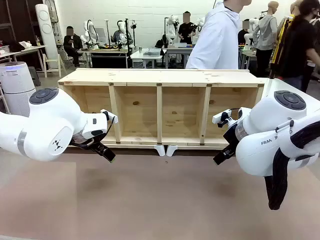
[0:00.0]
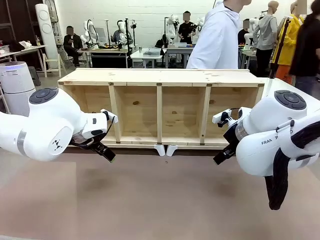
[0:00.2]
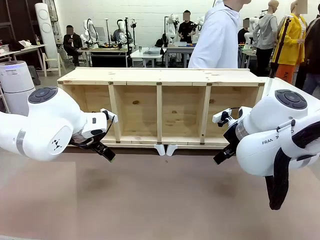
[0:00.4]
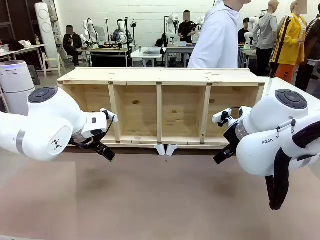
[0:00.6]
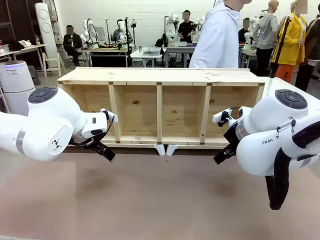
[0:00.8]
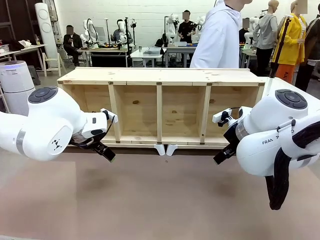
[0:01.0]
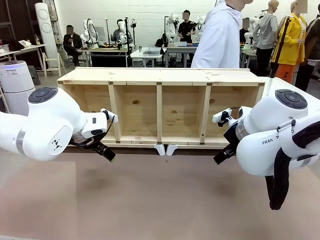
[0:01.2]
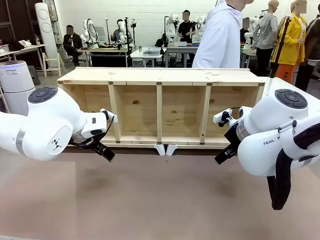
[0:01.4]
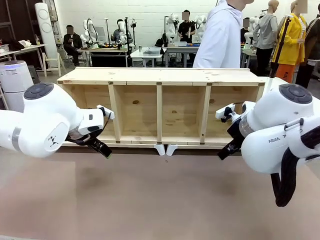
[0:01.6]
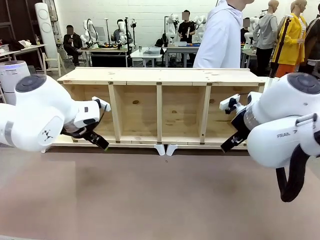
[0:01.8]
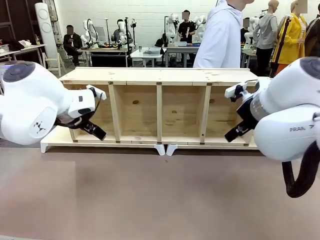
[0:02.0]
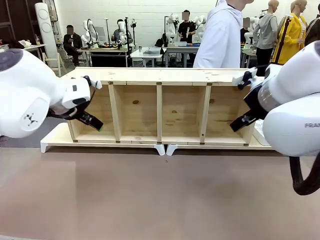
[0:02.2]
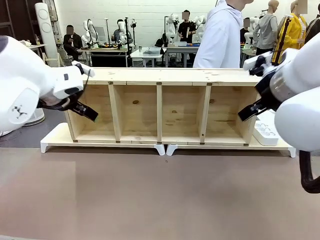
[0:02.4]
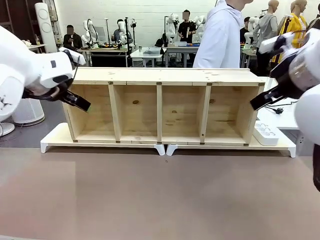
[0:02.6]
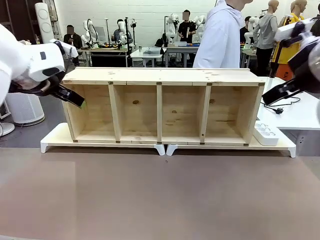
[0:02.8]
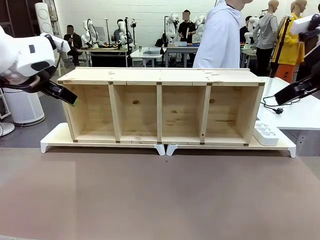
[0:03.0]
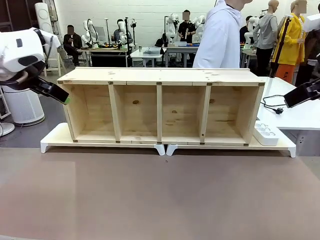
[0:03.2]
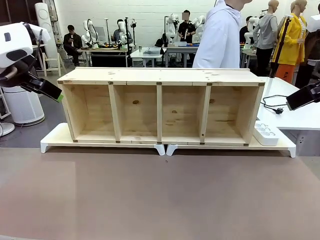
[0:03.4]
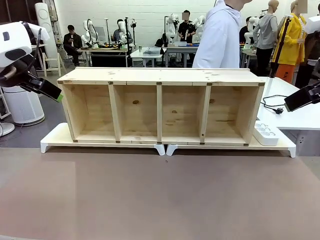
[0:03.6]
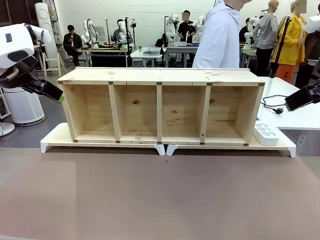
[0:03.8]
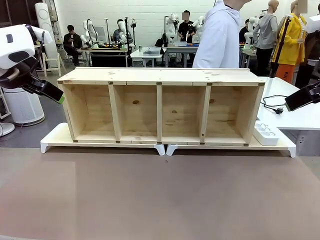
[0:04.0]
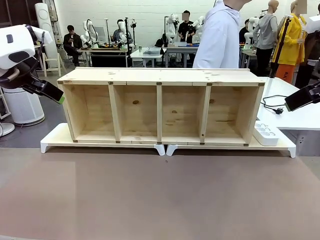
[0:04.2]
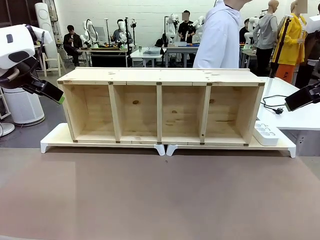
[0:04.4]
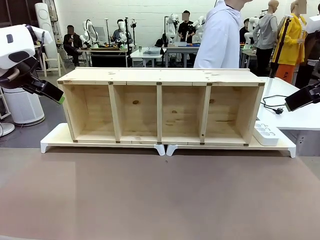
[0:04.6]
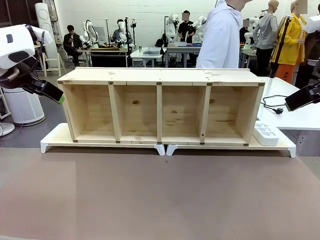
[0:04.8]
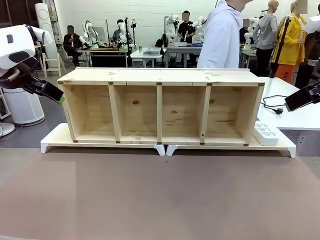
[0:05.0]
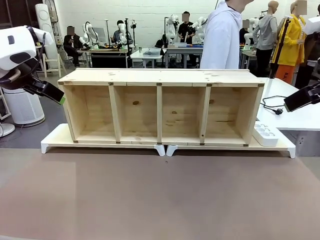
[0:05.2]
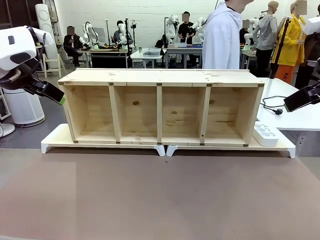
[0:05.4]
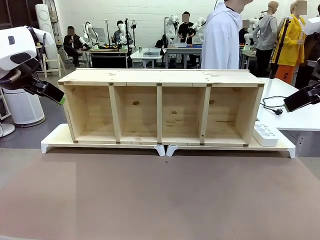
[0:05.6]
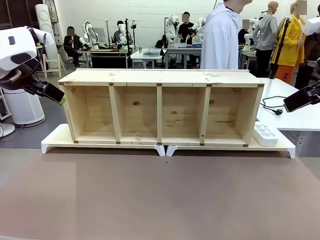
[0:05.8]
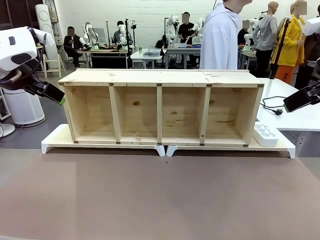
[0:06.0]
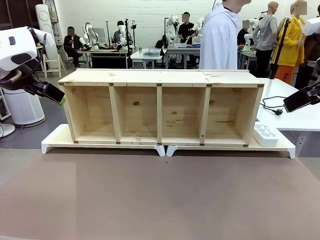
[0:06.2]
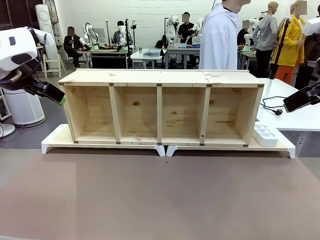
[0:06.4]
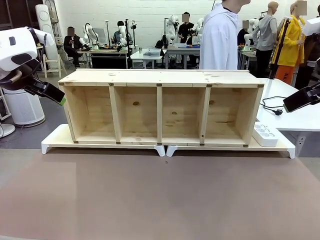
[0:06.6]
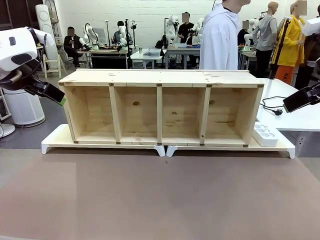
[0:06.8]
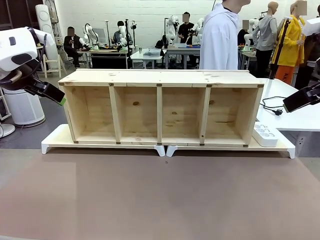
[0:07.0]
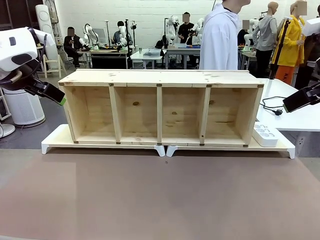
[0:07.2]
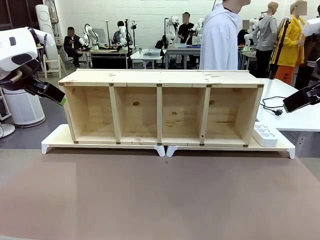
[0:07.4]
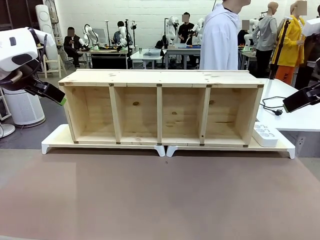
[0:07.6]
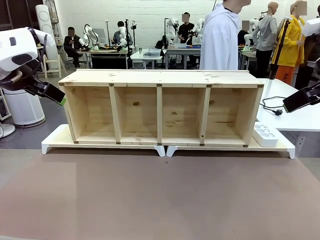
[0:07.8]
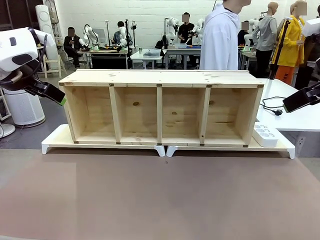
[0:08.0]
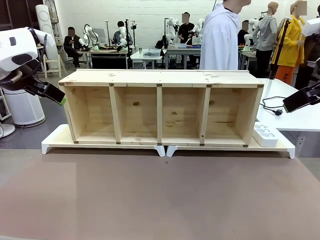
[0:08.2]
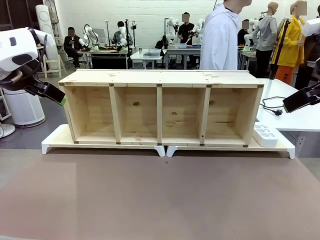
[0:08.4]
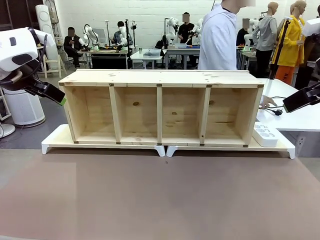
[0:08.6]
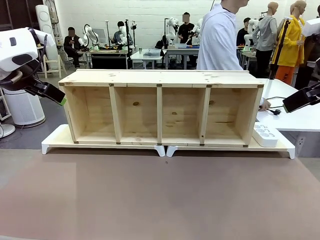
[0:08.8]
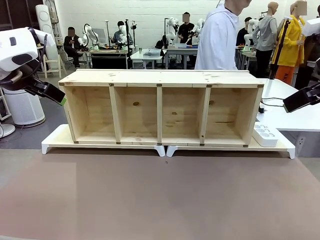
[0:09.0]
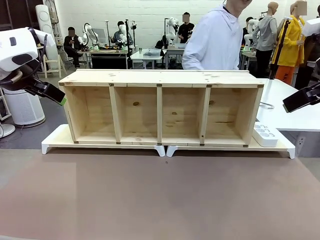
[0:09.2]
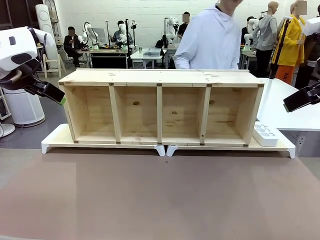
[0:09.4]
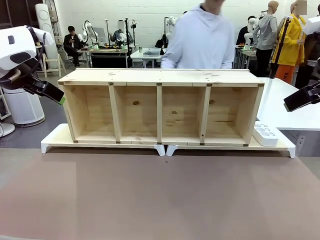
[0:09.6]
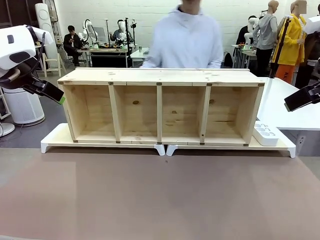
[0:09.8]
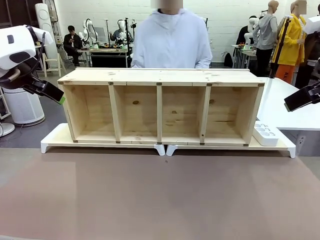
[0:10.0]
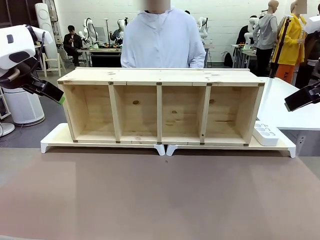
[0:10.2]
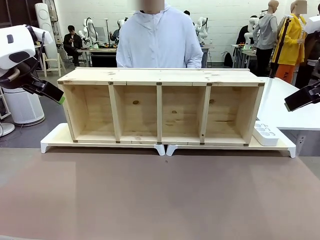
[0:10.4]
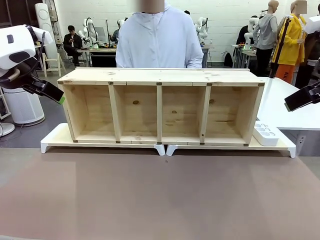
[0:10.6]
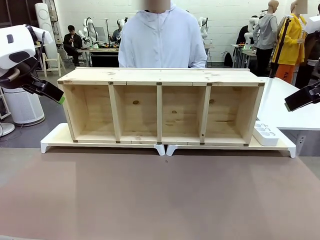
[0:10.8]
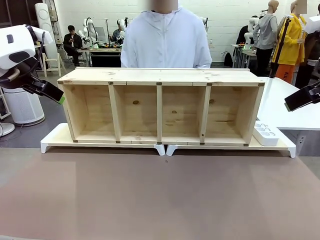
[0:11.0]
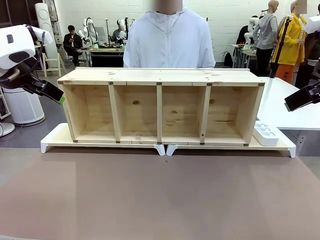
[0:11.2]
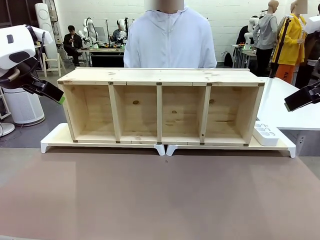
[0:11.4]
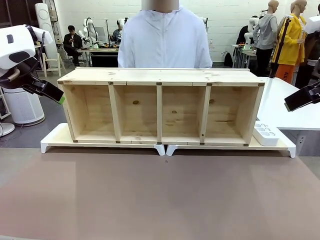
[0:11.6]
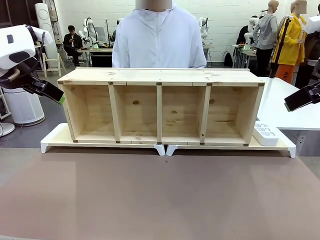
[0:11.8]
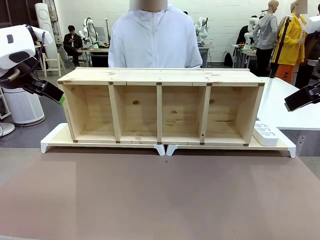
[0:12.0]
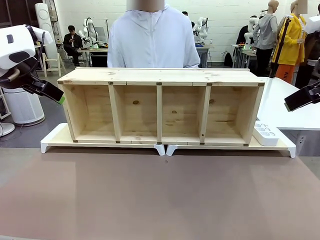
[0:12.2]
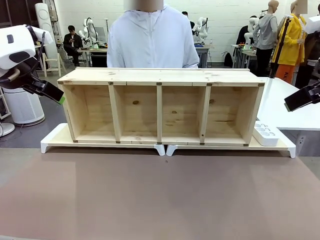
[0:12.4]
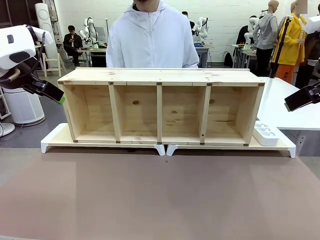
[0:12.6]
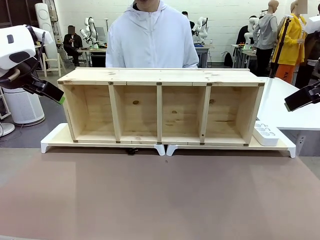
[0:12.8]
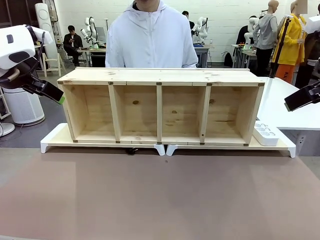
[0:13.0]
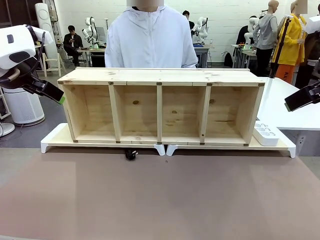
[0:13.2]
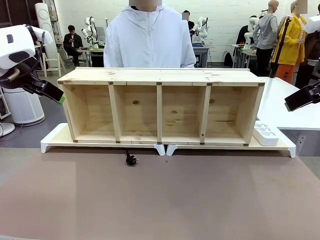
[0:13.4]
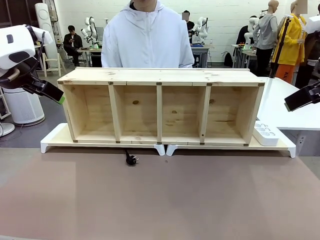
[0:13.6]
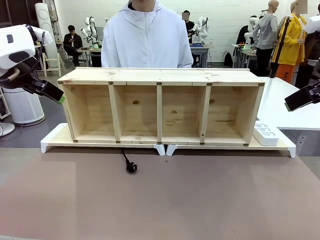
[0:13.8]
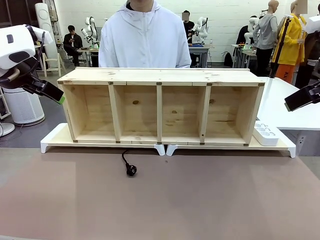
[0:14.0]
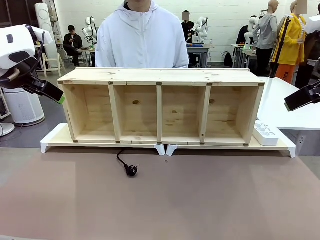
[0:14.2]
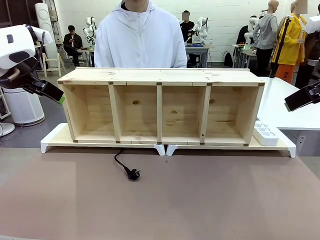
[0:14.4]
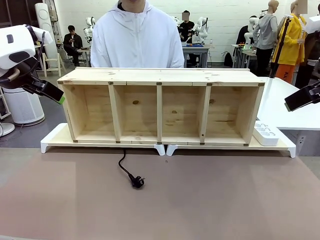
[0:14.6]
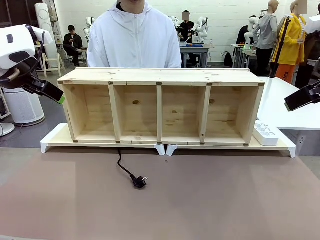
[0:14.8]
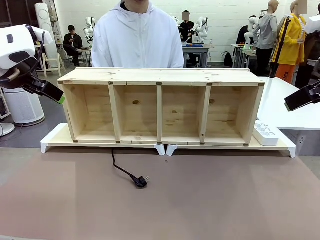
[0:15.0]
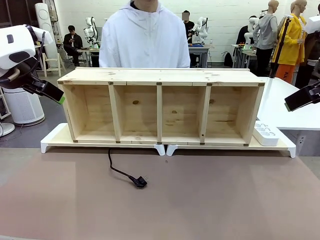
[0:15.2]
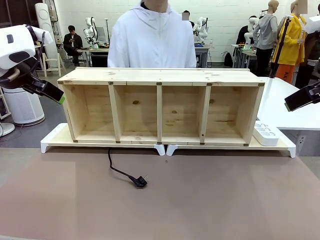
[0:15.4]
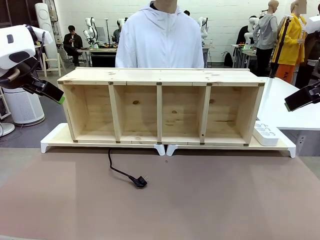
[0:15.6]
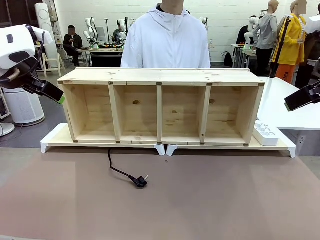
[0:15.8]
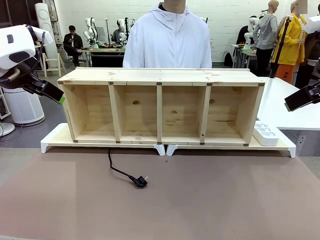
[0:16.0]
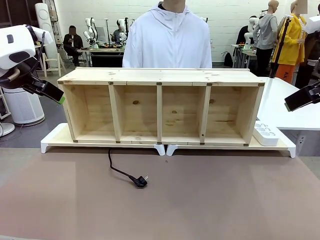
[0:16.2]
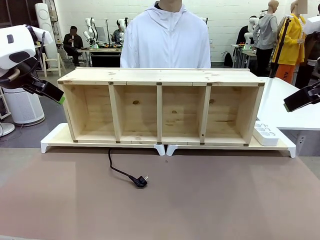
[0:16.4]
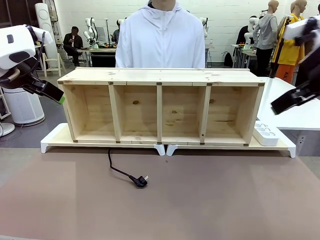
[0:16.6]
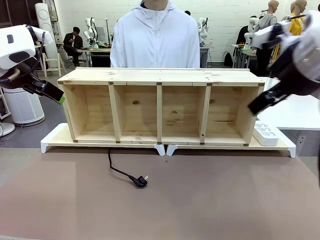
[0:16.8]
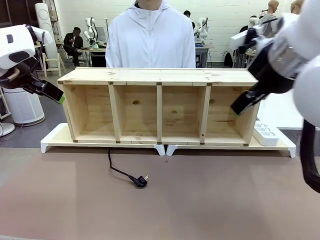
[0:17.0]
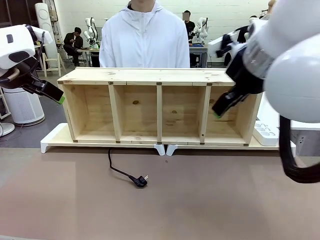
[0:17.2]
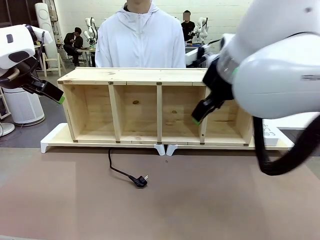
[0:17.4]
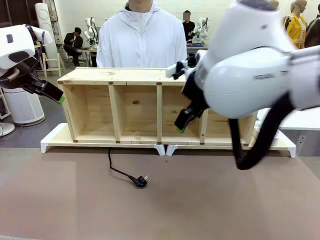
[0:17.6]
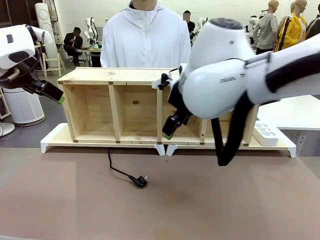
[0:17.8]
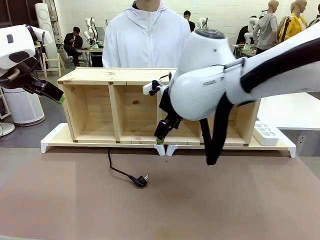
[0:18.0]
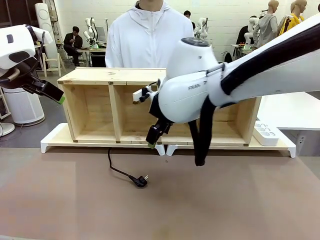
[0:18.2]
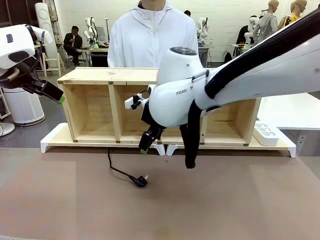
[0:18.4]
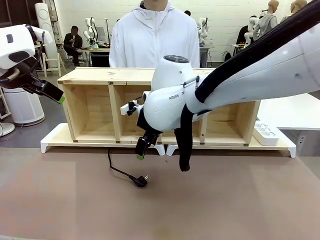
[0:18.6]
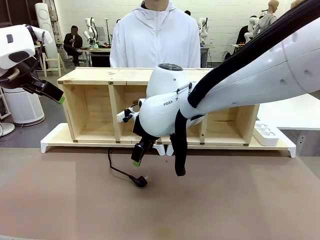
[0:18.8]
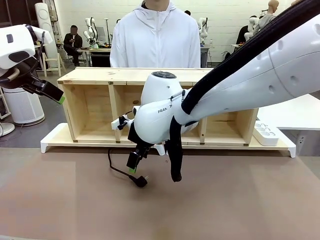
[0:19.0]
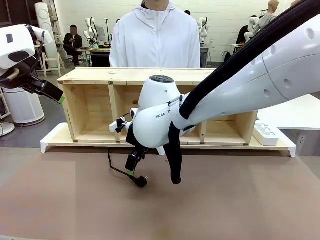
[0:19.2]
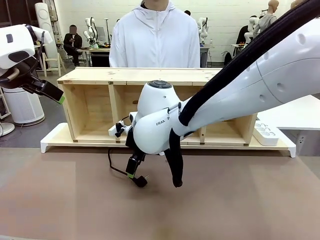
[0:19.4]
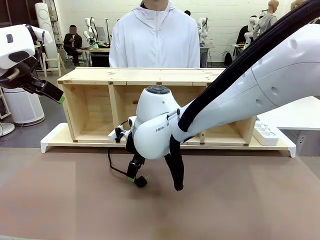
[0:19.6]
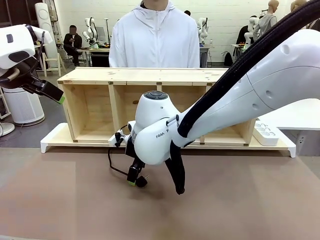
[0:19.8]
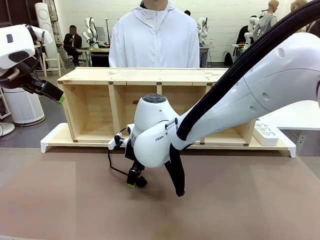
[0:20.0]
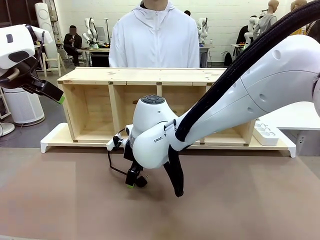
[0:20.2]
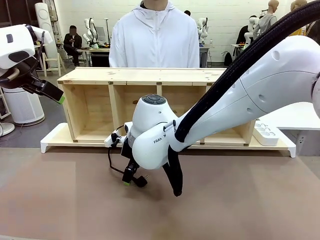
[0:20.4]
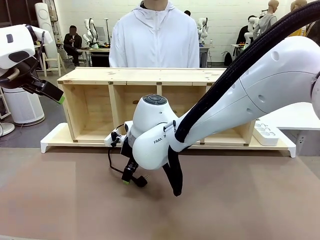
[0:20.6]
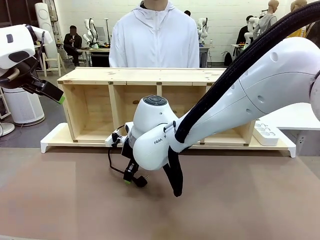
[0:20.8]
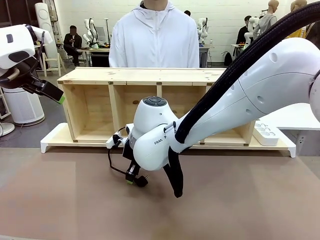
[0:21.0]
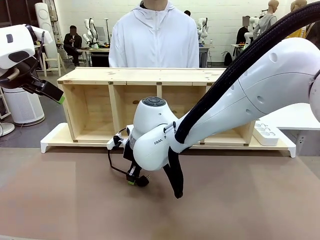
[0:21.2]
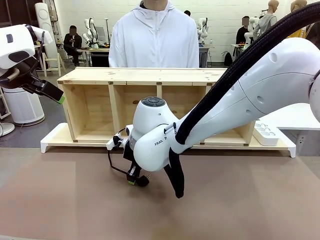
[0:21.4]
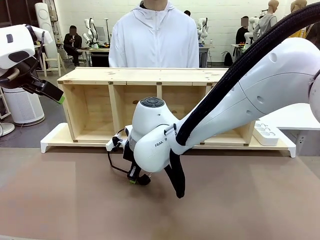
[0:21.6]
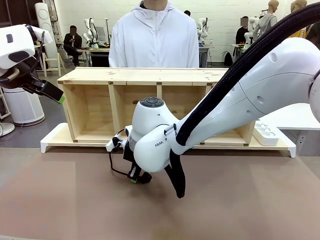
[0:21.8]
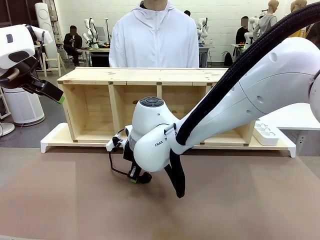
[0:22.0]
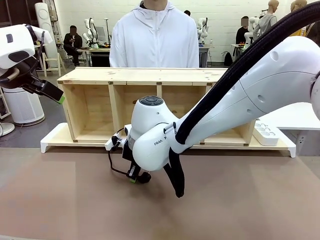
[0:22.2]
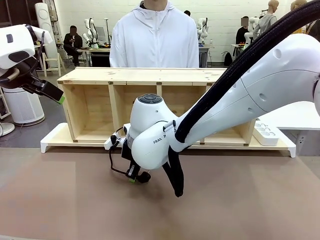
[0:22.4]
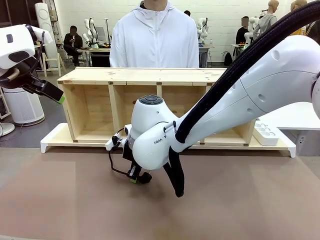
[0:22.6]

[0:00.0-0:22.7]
Task: Perform cable management.
Robot: When the cord part of the Power Cable appears at the lower middle area of the table and stops, grasp the cord part of the Power Cable.
Person: Pass the Power Cable under the Serving Table.
